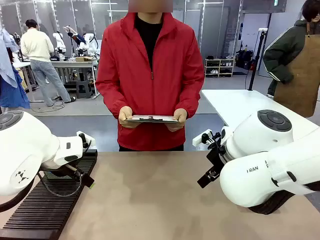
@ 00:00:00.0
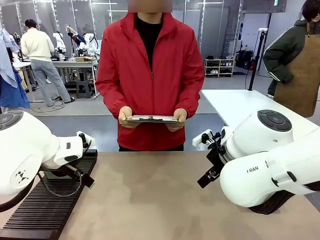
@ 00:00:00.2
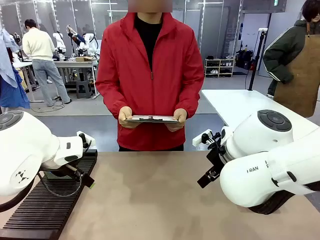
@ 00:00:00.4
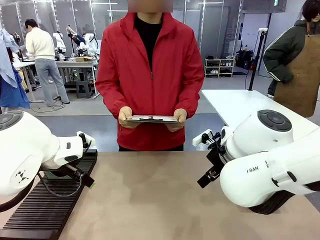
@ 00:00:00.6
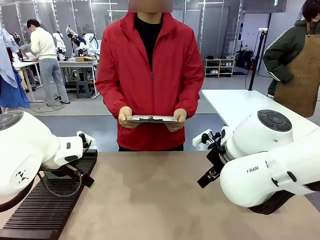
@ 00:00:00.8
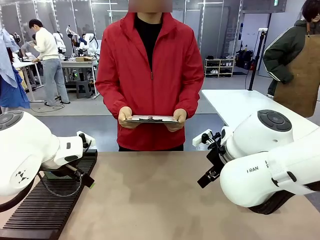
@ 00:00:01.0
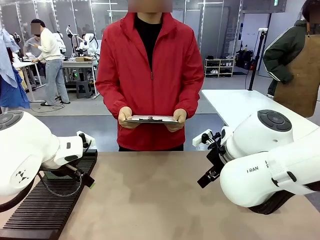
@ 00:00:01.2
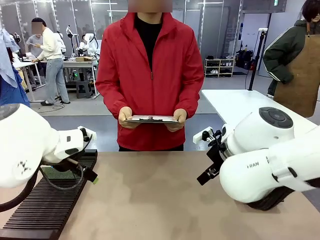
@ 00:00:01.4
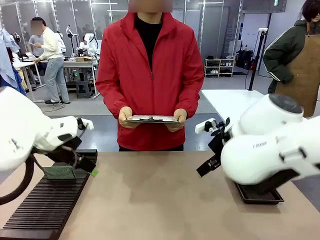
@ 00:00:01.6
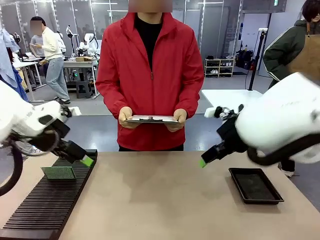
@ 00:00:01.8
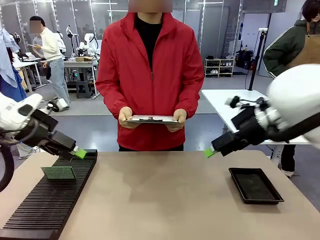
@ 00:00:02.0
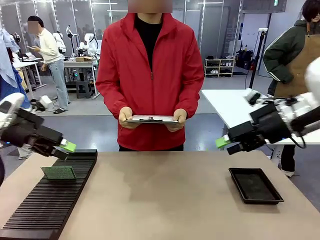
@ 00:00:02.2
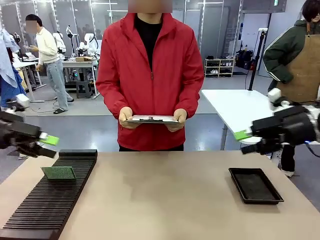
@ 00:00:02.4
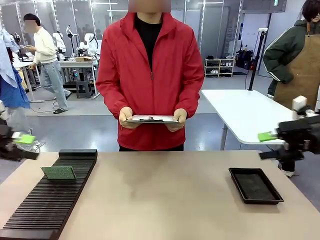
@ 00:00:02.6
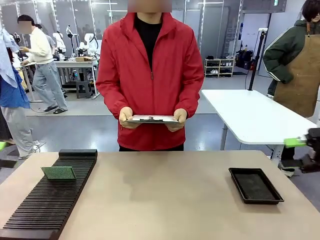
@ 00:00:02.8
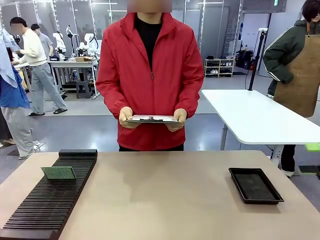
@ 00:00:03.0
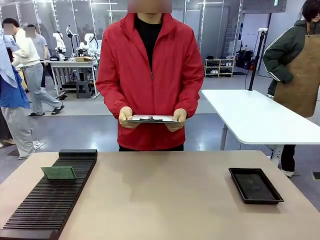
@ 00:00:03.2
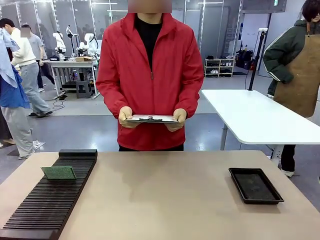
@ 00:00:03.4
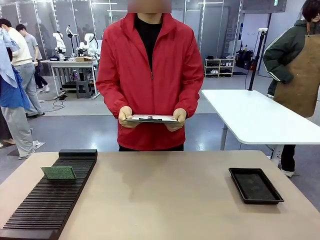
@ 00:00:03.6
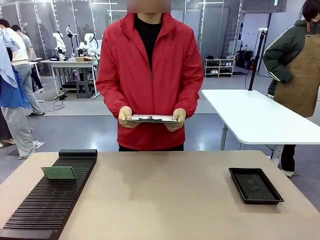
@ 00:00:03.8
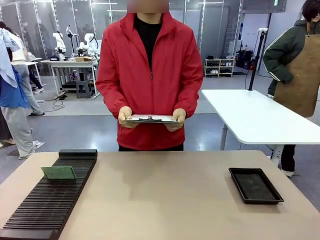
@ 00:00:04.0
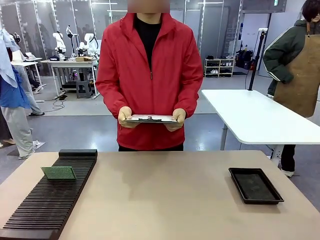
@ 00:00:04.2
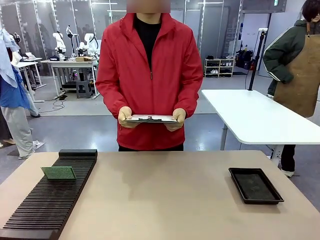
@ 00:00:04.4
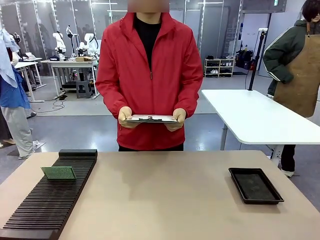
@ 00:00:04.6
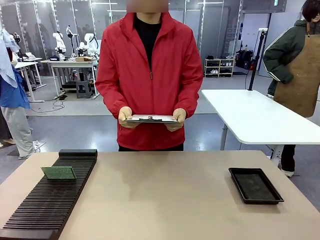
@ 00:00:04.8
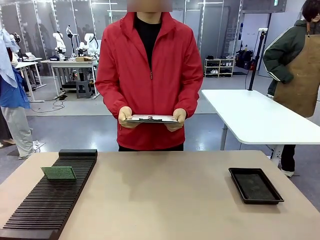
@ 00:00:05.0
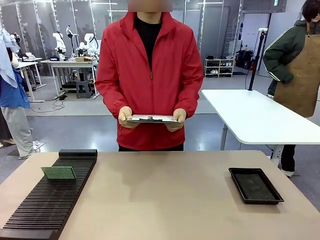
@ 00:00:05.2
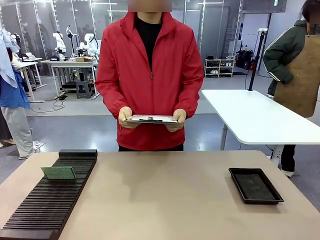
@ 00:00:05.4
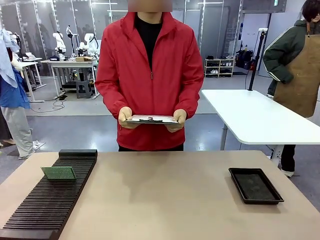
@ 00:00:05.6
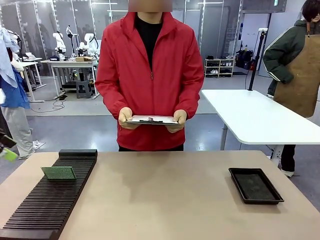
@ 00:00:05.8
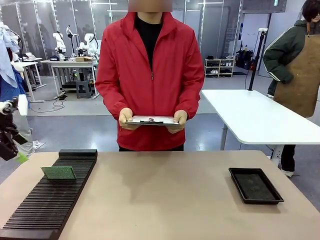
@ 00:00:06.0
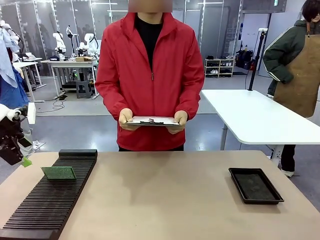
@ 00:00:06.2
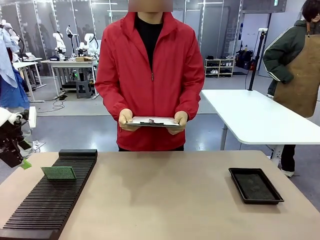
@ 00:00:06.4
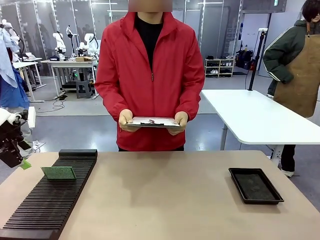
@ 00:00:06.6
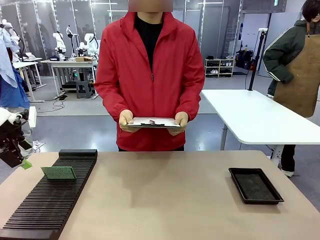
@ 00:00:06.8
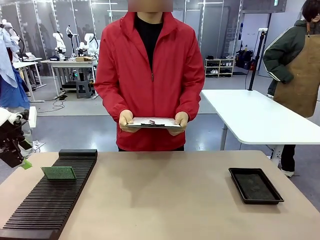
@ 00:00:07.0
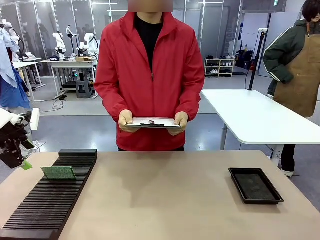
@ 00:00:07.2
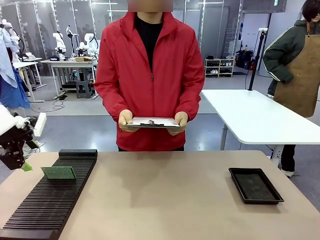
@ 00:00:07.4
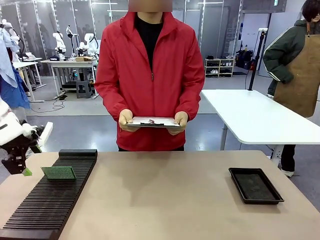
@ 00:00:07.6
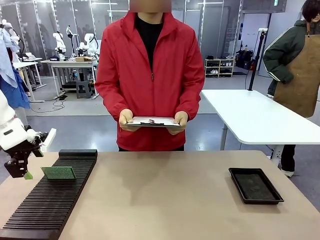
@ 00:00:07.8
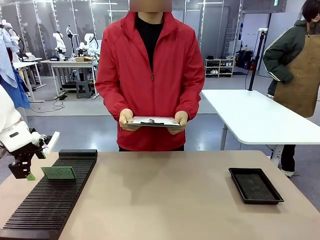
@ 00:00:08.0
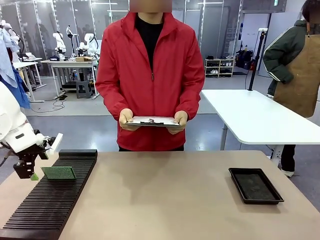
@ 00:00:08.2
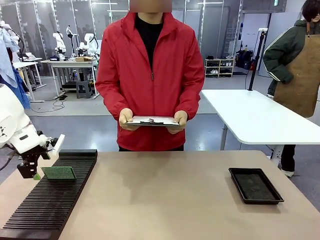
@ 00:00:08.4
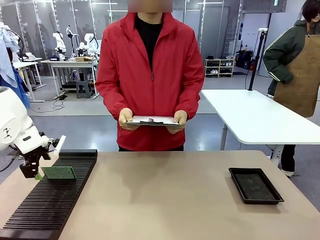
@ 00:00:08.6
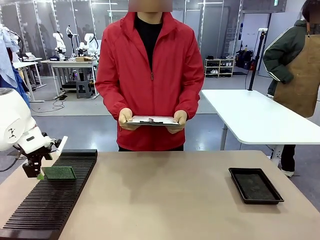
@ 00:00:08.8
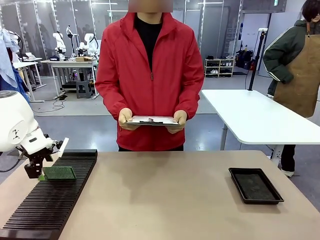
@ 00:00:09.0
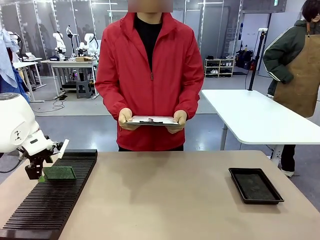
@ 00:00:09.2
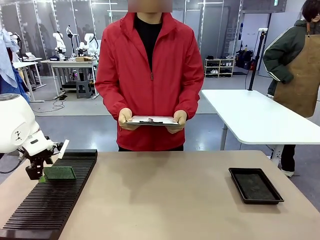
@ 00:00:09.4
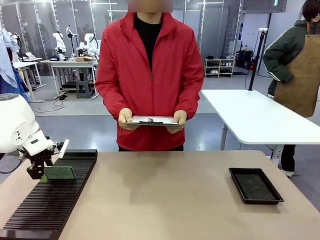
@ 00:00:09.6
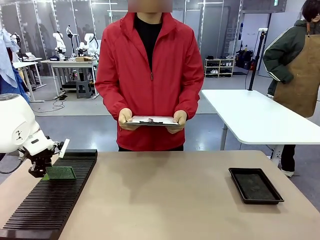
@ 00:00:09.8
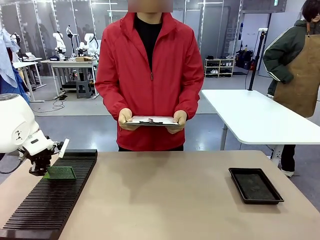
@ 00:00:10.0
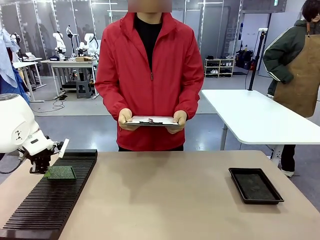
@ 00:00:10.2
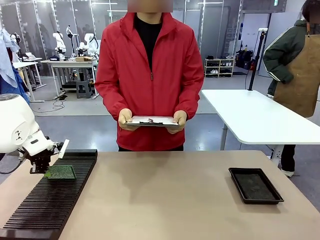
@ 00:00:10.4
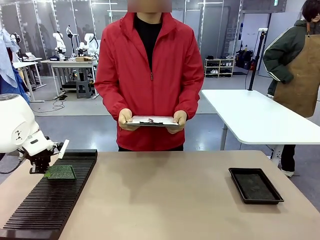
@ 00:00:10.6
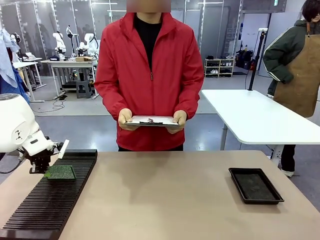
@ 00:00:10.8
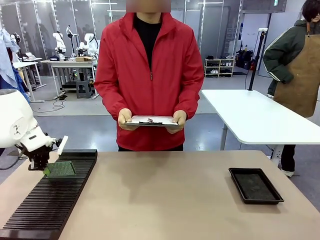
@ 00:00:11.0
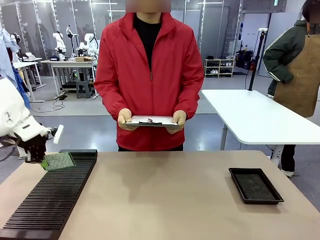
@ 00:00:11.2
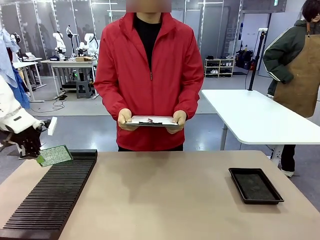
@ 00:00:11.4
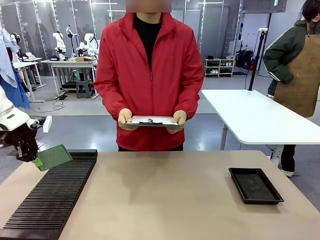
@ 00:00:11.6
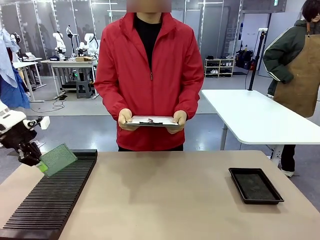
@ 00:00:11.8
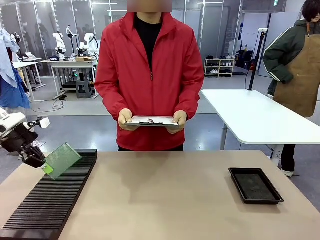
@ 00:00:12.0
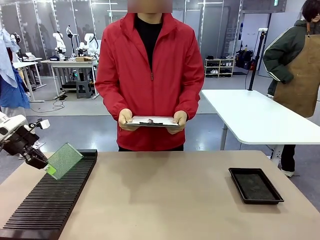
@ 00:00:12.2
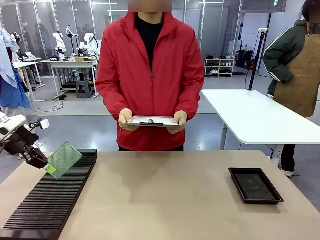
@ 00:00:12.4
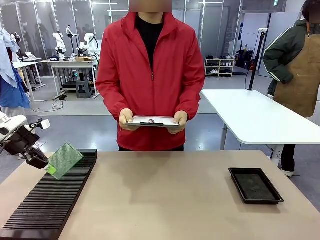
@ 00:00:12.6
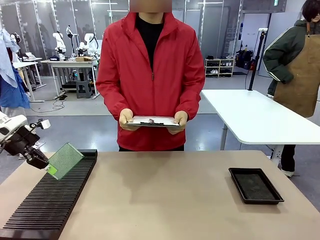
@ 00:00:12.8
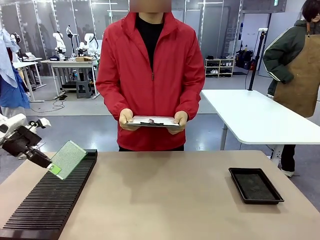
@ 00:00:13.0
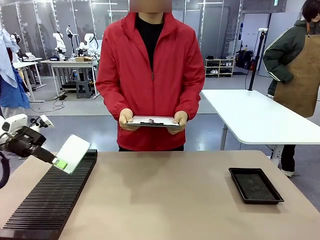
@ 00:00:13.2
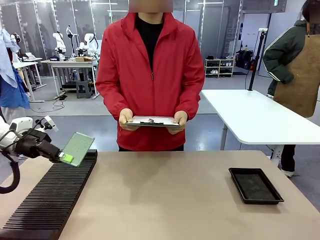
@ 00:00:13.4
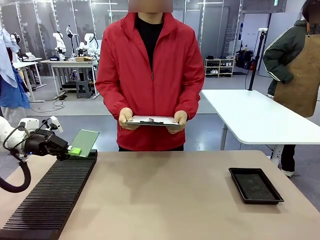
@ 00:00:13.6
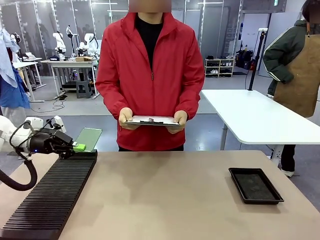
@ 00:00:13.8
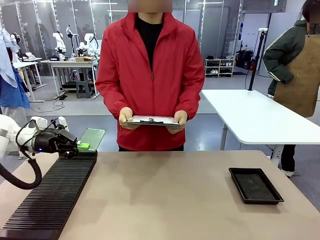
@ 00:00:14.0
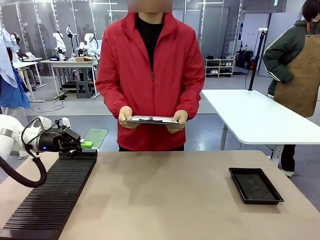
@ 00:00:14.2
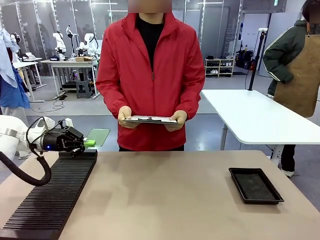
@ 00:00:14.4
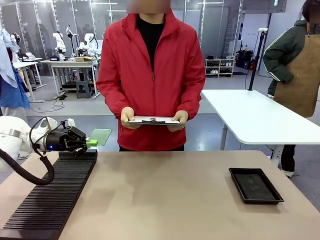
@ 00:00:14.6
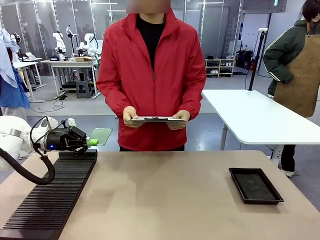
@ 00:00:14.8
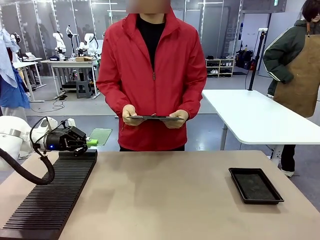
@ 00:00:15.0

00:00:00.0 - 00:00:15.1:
Task: Inspect the PCB.
Robot: Pick up the Blank PCB and present it to the human.
Person: Pick up the PCB presented by the robot.

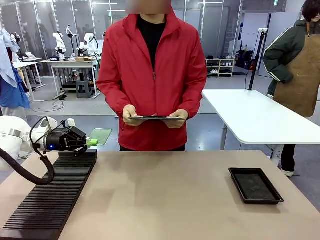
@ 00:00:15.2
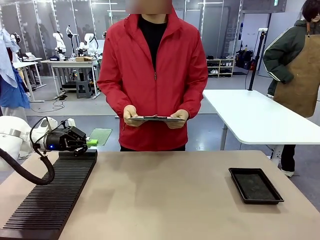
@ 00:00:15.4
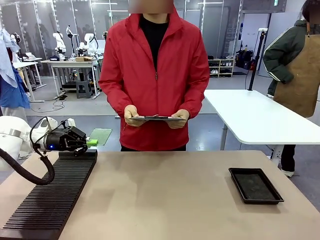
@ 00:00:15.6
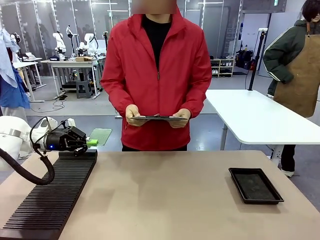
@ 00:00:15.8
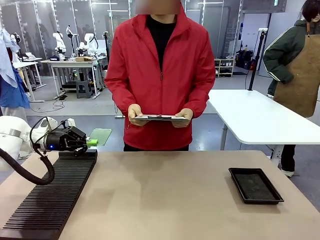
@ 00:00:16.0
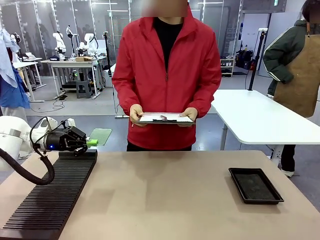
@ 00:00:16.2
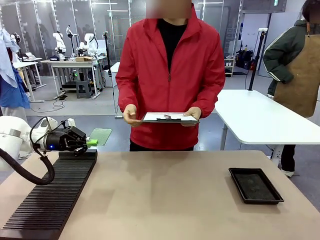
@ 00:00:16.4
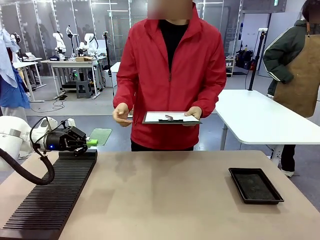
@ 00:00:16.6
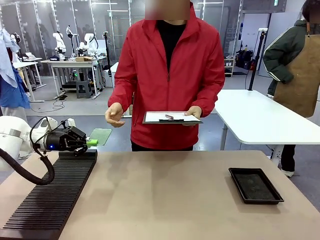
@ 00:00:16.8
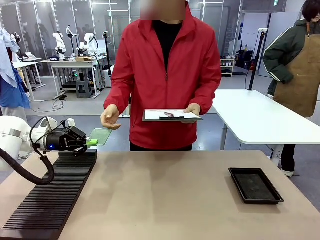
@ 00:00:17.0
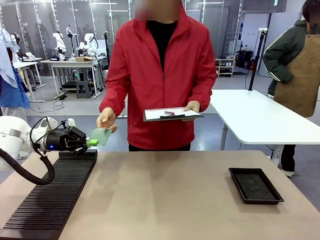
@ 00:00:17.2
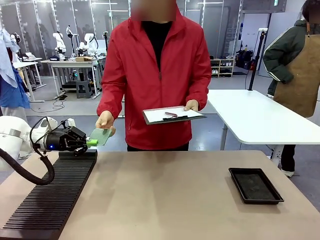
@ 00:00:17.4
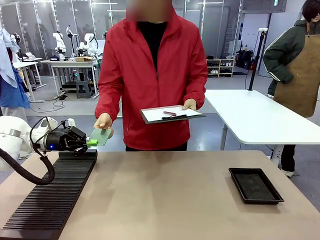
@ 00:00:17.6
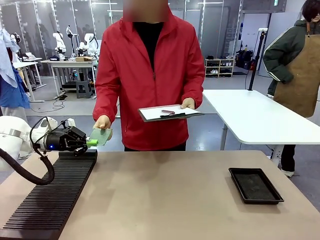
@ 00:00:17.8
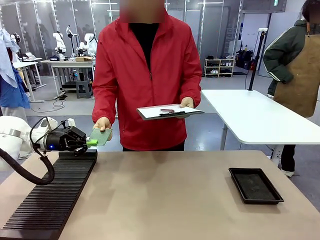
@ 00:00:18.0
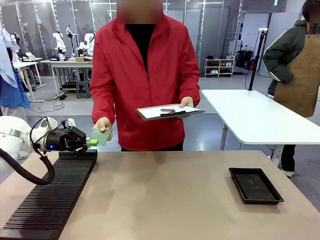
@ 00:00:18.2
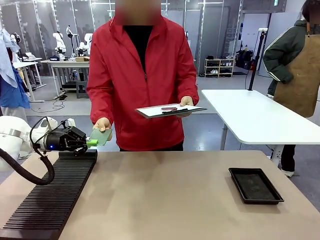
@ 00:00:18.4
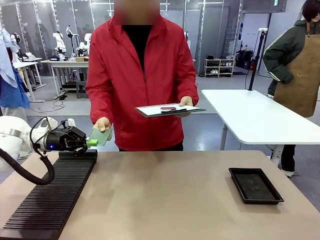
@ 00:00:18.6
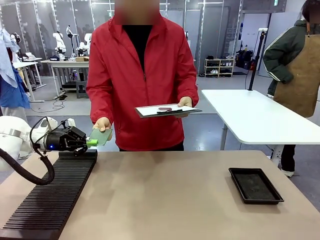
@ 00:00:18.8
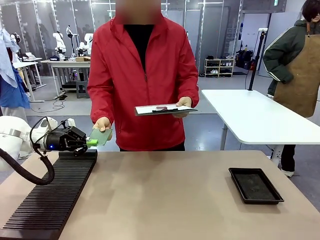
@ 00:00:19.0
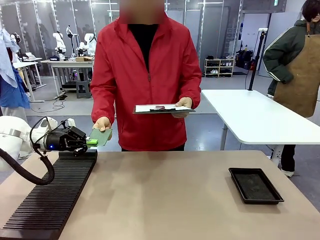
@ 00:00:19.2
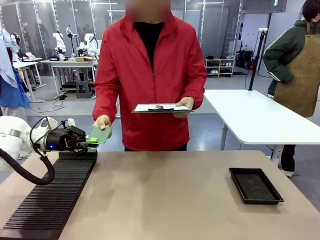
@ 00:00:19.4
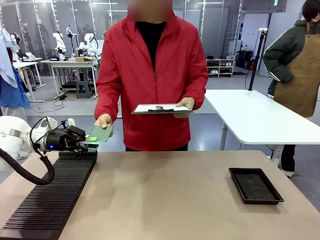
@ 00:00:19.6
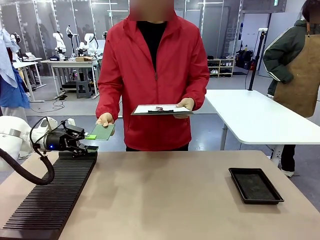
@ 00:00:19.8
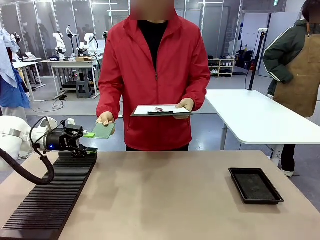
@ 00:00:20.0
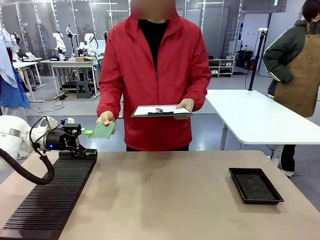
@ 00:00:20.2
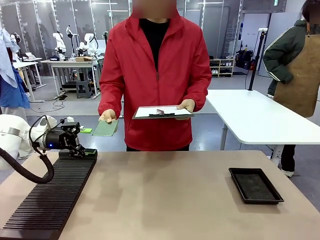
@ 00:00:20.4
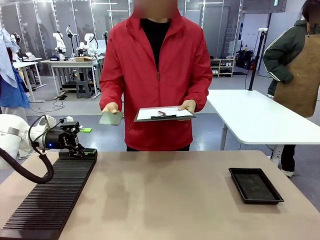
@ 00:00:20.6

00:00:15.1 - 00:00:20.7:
Robot: Release the Blank PCB you were holding.
